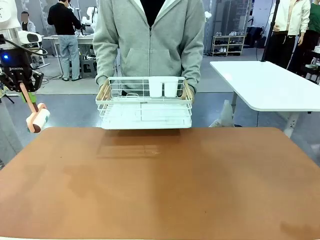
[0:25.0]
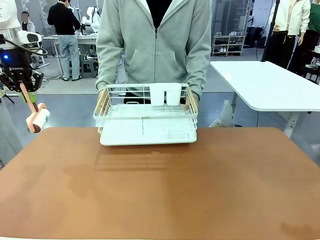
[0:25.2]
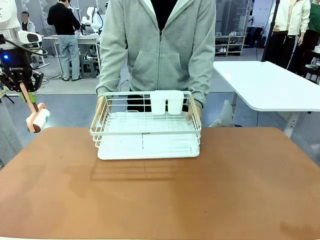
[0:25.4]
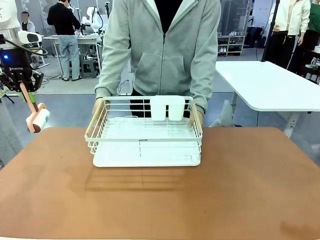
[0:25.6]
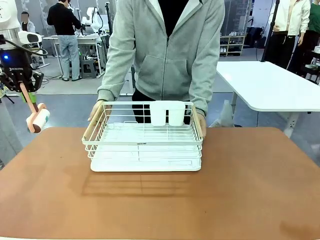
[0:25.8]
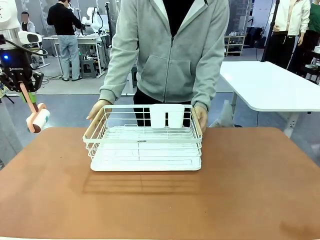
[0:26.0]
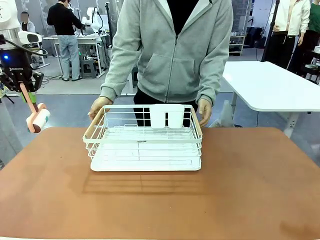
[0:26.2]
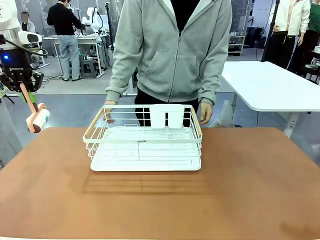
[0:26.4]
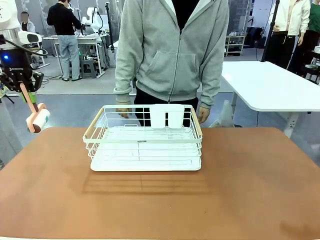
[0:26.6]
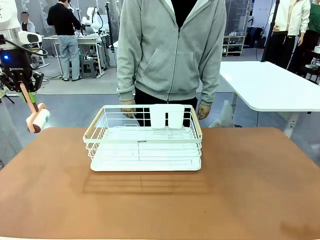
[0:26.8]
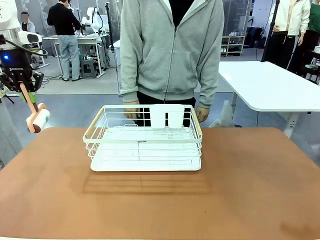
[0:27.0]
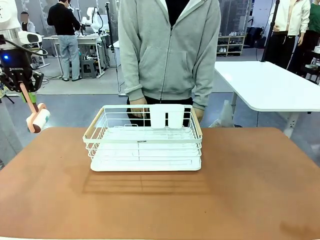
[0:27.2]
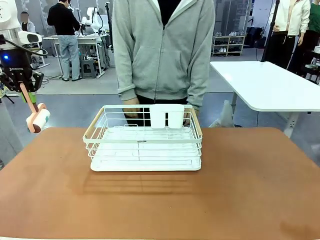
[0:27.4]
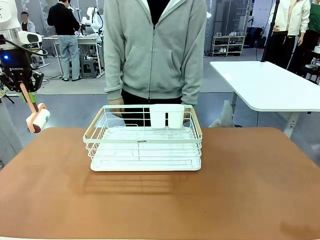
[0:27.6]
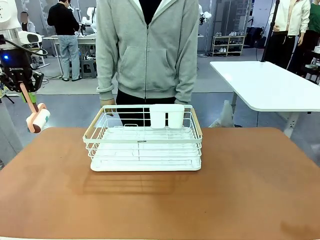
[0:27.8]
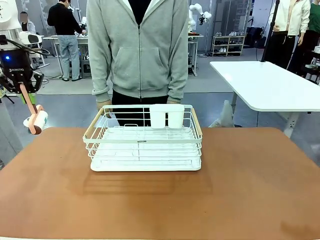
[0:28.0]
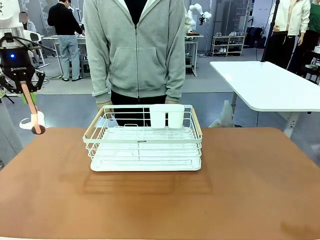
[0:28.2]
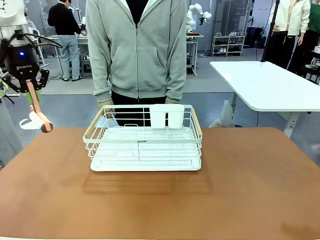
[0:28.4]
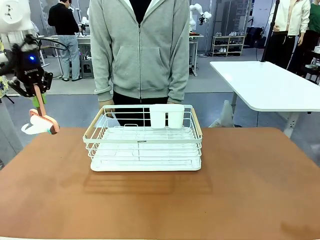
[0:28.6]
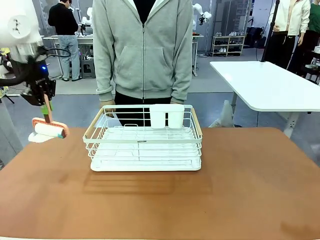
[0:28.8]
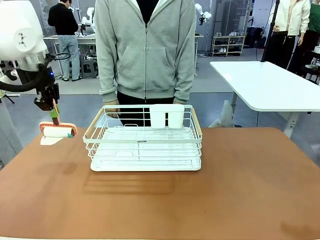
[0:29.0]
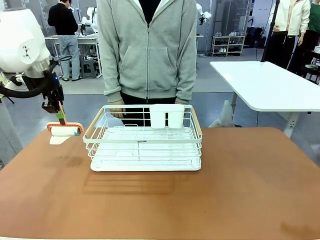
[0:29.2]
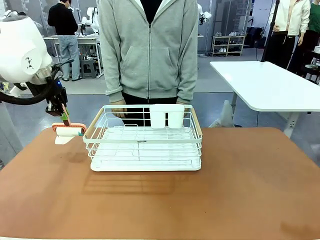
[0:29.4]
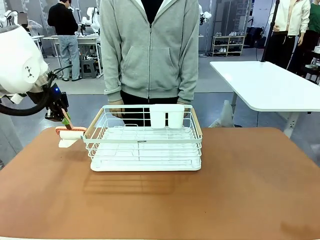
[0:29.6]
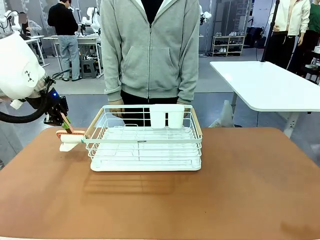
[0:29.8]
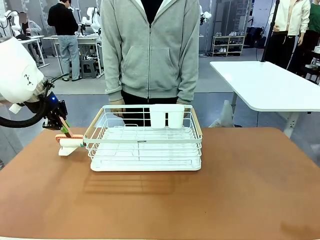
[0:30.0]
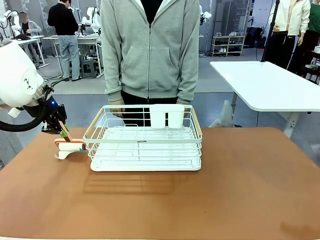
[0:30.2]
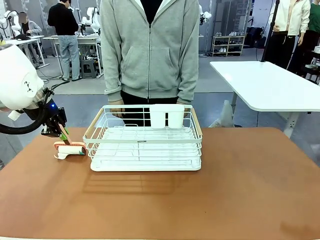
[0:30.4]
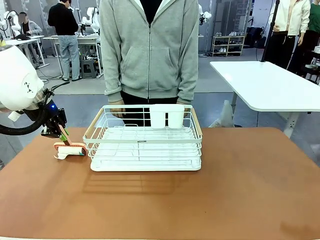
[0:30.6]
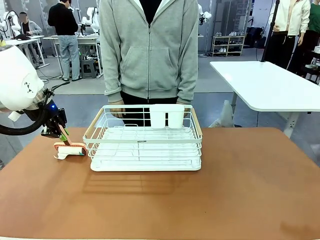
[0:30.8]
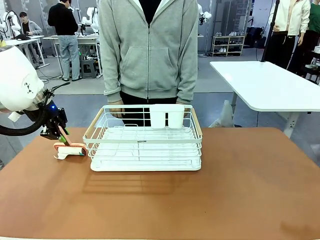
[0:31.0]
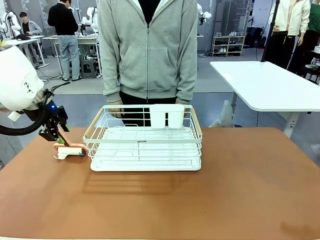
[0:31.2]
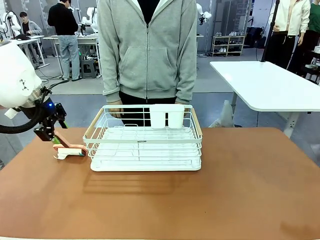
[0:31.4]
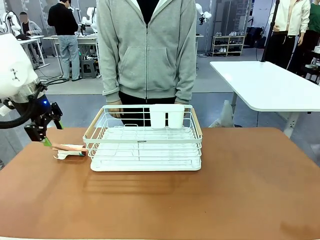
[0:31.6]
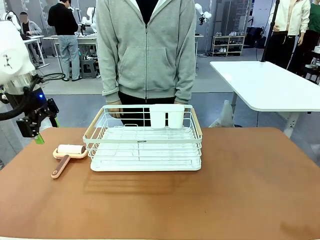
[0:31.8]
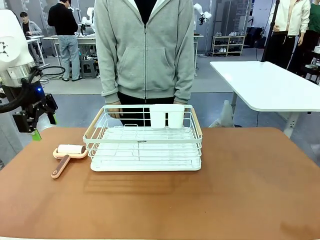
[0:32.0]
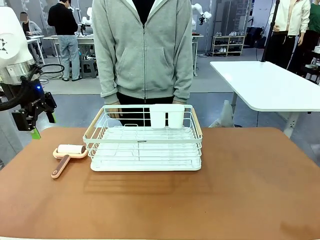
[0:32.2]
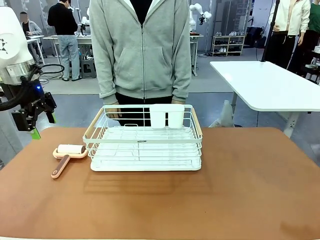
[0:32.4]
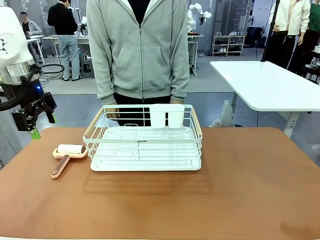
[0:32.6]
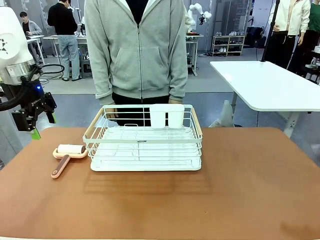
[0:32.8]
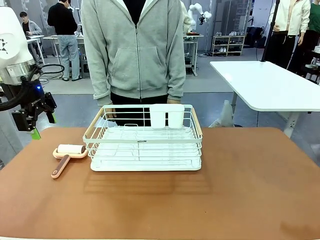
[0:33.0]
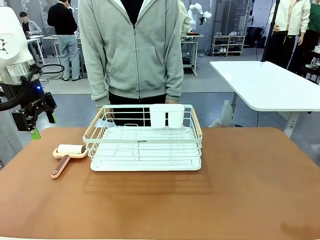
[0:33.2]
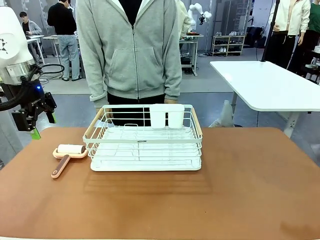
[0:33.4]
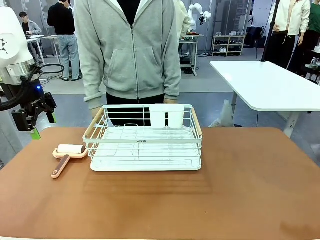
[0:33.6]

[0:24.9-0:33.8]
Task: Clean the table.
Robot: Place the Lint Roller down when the Dish drying rack is positioned in the middle of the table.
Person: Place the Dish drying rack down when the robot finishes cleaning.

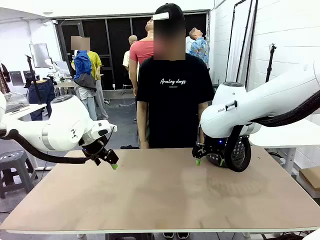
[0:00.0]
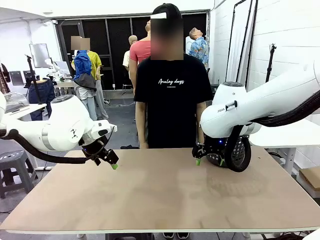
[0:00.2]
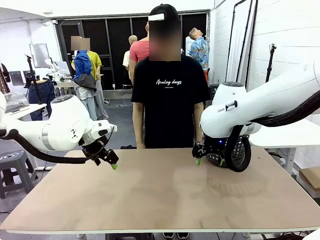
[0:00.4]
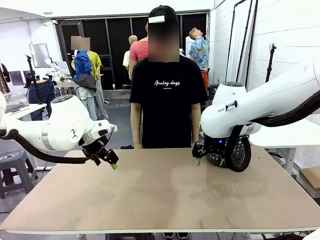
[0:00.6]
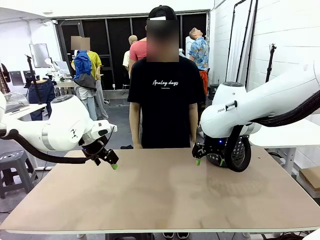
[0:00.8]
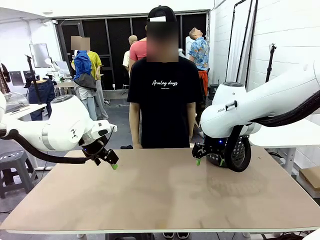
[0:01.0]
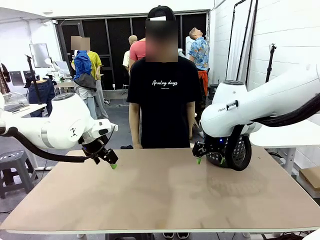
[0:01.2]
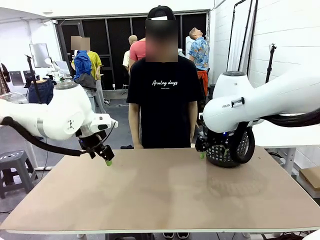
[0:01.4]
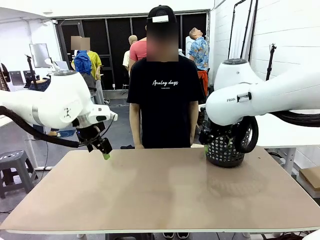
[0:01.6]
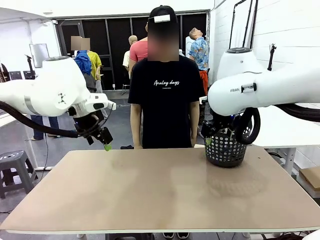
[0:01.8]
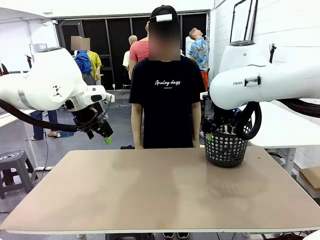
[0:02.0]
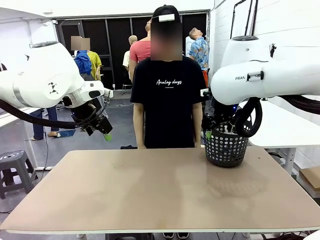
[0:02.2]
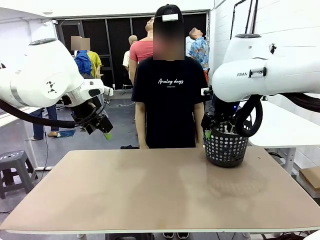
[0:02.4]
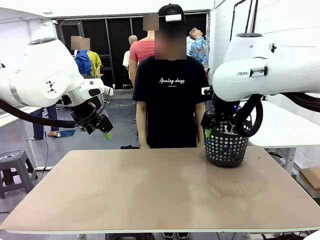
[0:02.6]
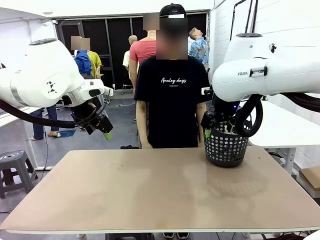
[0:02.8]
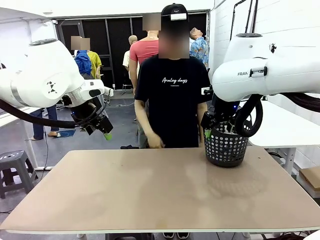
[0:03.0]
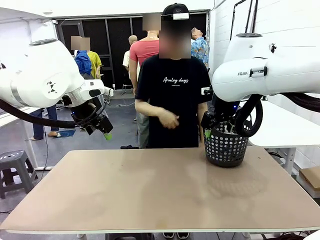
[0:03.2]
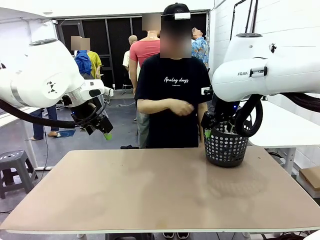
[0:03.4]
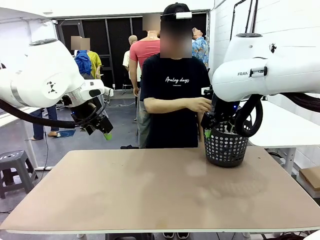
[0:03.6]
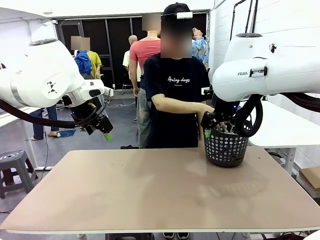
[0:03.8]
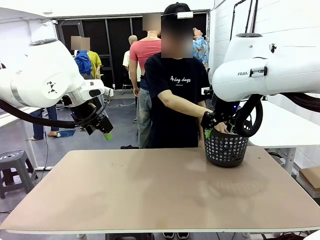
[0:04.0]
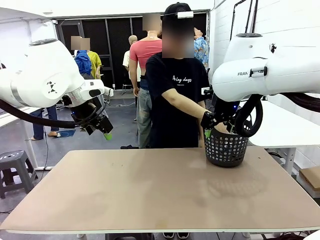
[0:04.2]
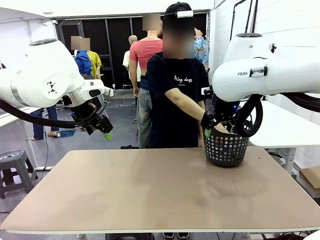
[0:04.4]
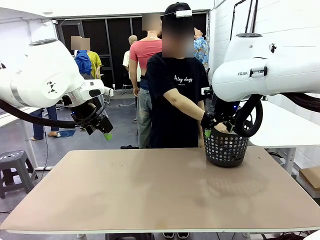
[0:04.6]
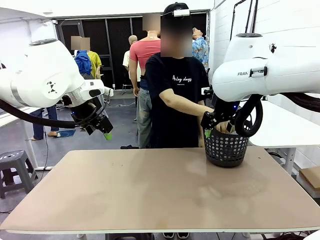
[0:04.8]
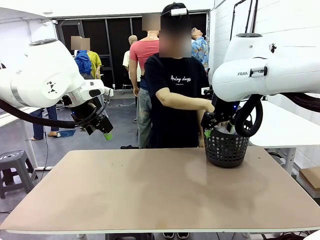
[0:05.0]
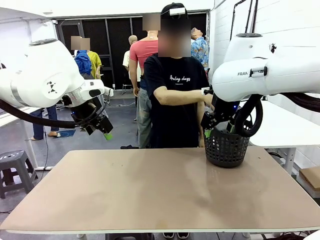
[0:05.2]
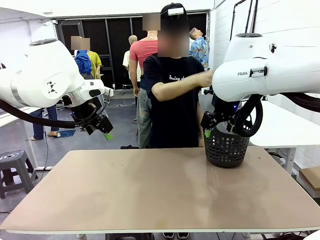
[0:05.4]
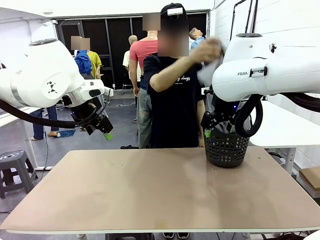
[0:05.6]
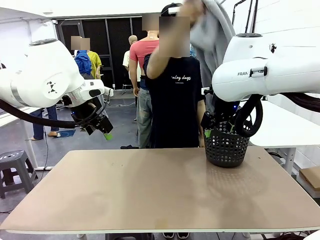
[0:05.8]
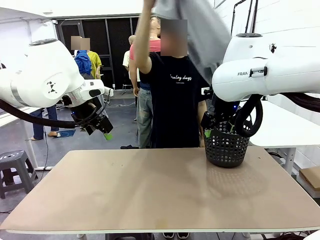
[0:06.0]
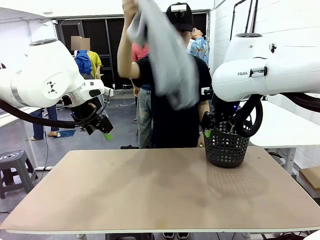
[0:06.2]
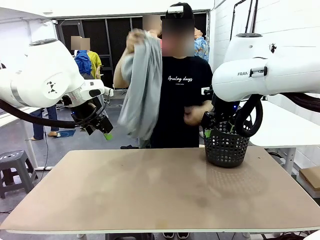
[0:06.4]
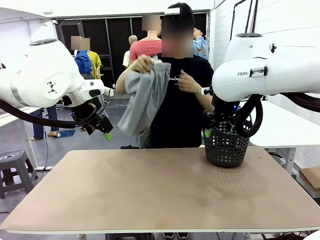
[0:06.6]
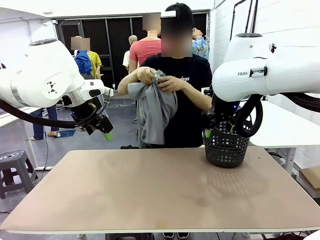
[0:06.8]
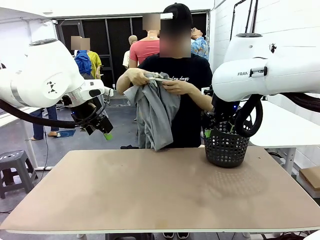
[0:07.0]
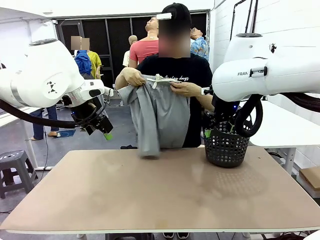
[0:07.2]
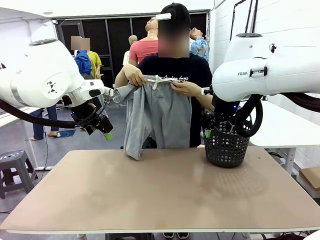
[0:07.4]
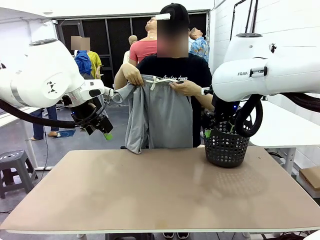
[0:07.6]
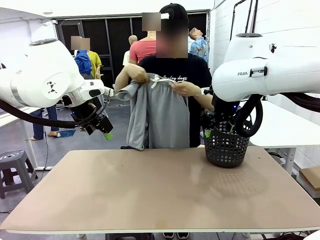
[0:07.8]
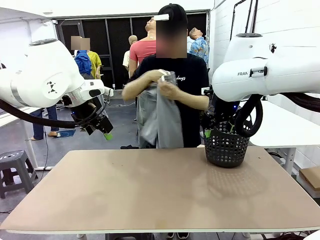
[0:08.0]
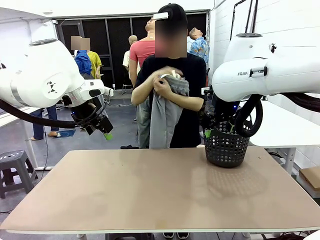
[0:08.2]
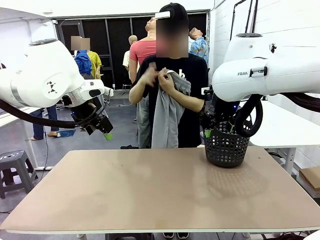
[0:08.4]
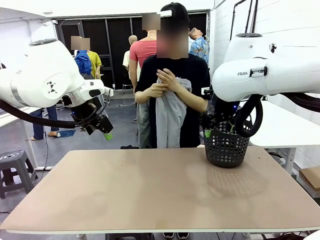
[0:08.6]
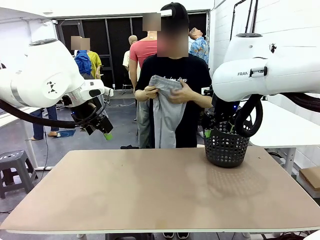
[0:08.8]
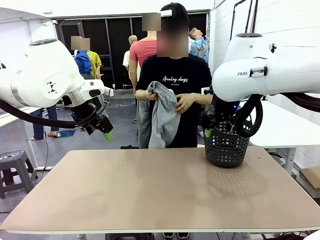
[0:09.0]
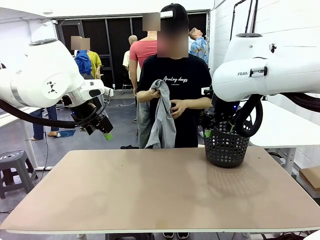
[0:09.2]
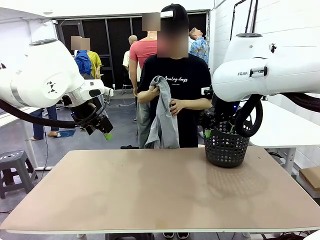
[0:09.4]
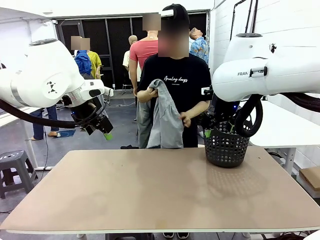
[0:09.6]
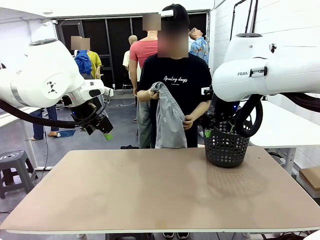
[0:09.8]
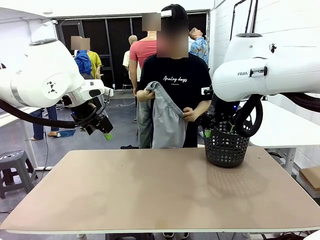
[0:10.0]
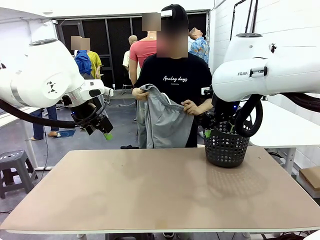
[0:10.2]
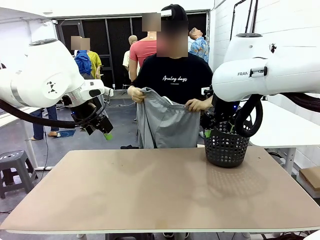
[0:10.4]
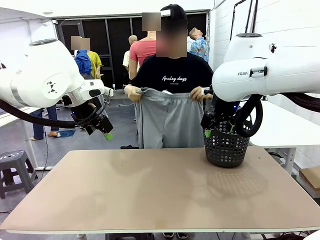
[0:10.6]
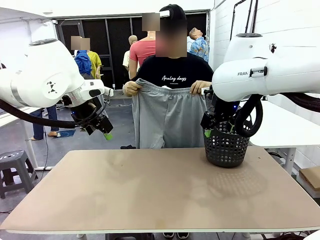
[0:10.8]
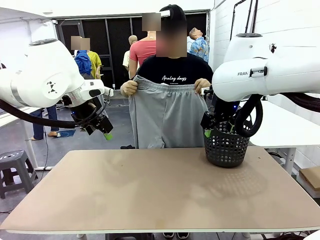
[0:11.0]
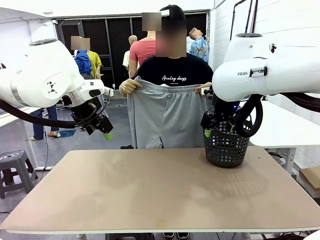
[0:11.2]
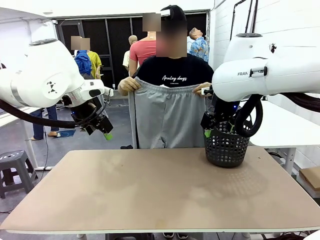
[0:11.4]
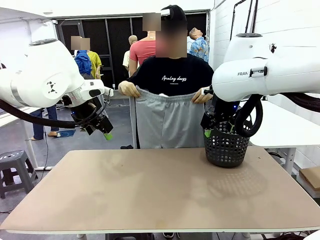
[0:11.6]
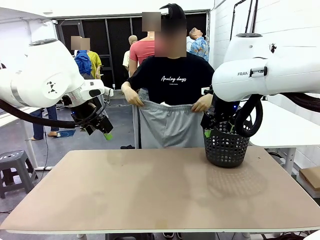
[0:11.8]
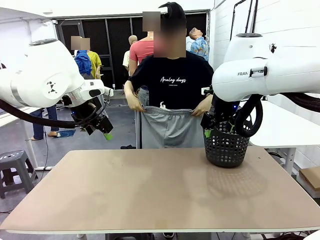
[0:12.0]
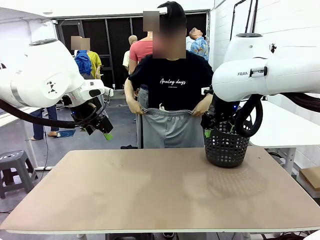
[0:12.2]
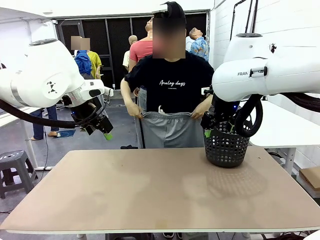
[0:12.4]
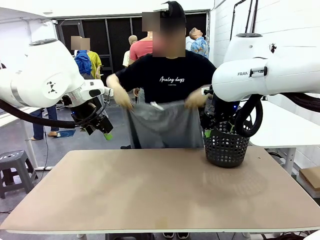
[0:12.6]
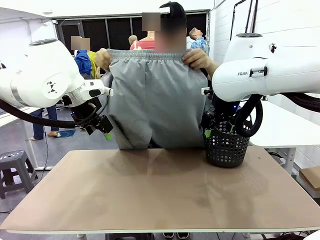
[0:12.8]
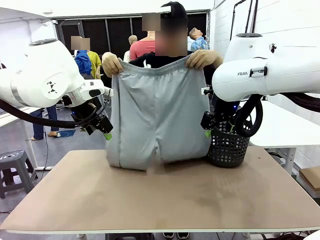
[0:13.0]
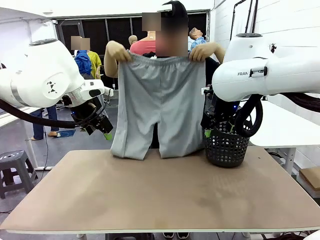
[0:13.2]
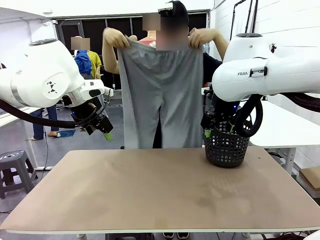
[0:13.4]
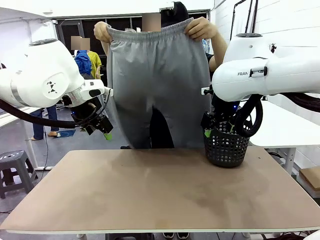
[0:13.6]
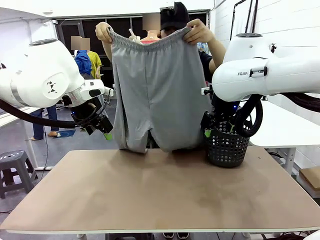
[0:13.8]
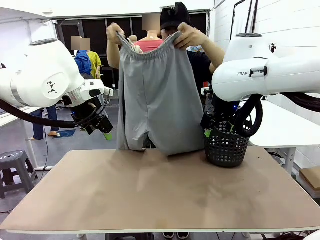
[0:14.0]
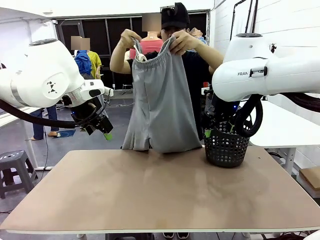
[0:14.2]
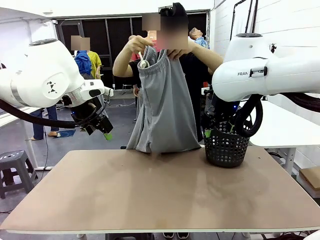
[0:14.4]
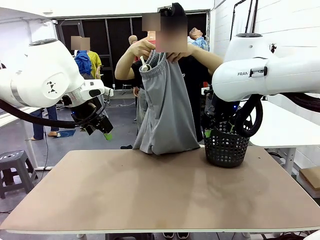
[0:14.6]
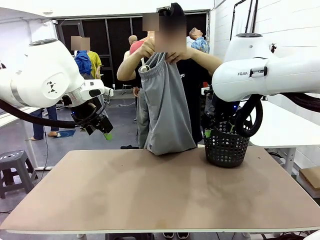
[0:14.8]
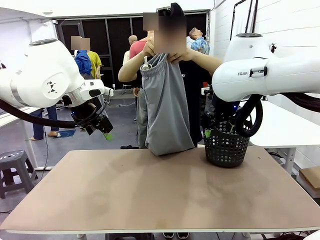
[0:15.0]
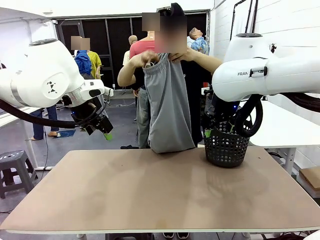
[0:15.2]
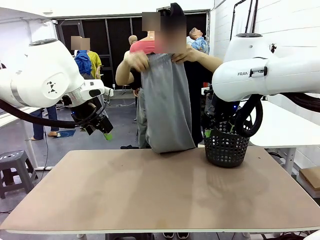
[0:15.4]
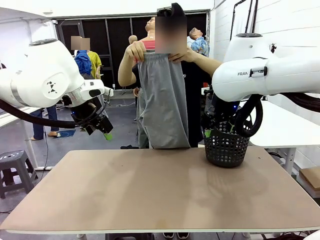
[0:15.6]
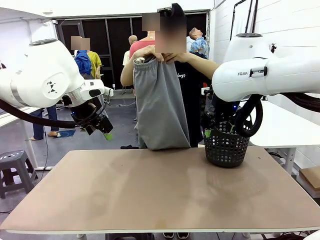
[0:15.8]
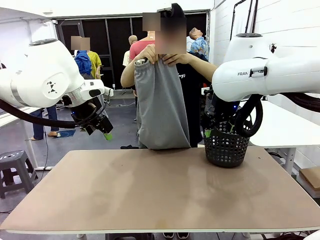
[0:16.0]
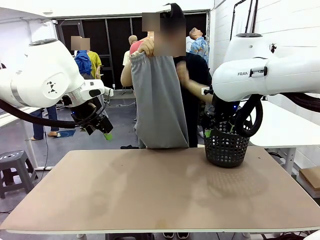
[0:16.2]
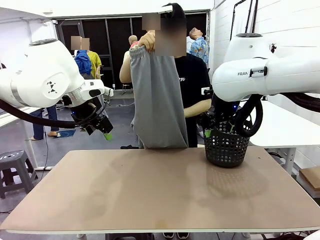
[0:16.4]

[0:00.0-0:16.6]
Task: Fold the training pants.
Robot: Grab both ends of the Training pants handed by a person.
Person: Take the long pants out of the laundry basket, unfold them, fold the waist in half, and extend them so the robot can pick up both corners.
